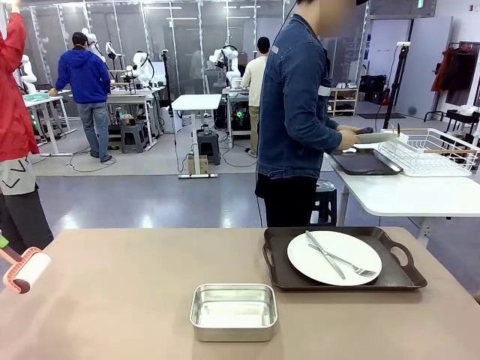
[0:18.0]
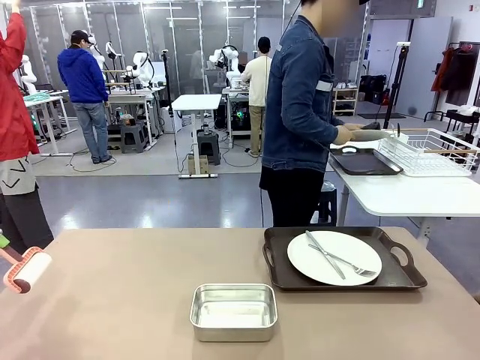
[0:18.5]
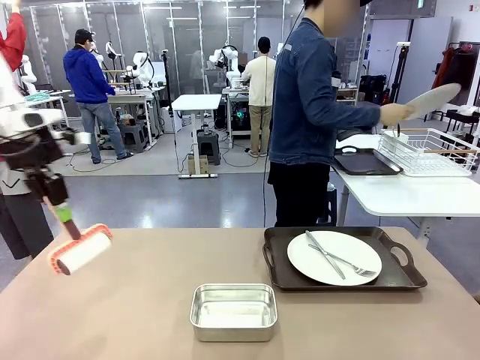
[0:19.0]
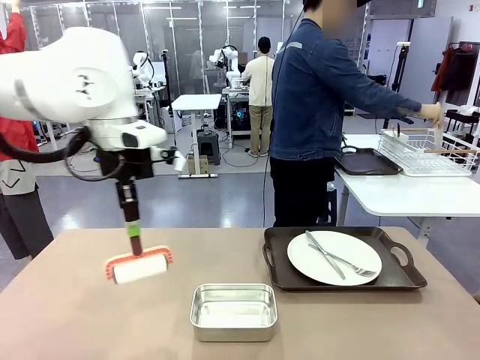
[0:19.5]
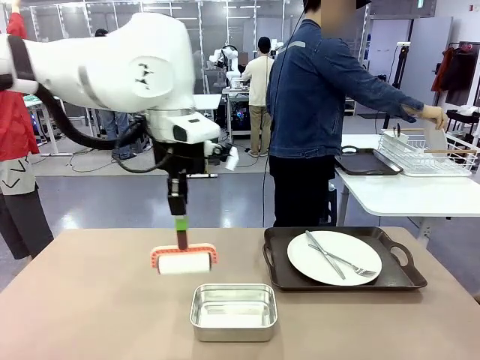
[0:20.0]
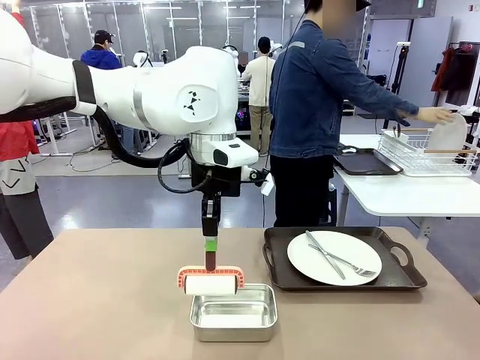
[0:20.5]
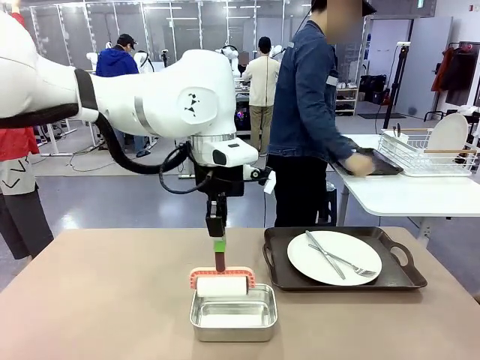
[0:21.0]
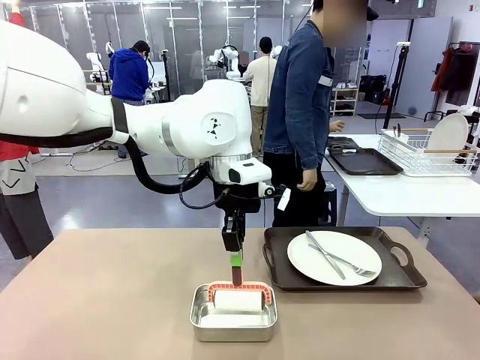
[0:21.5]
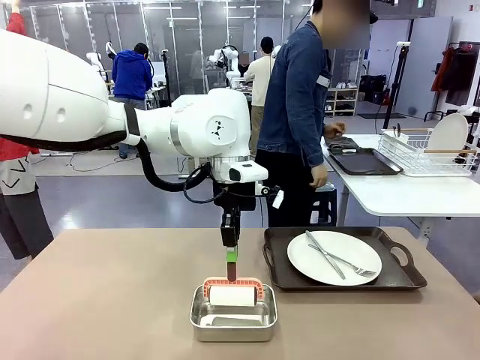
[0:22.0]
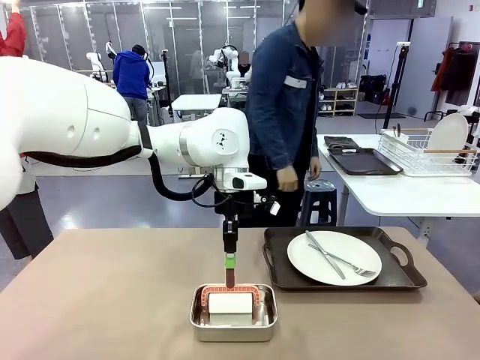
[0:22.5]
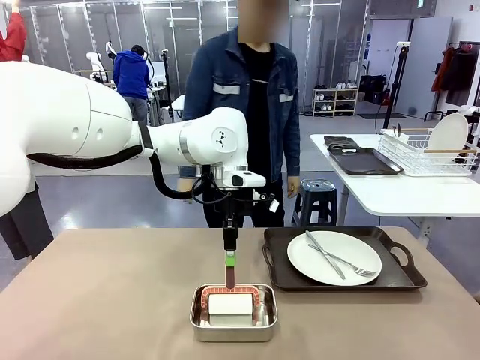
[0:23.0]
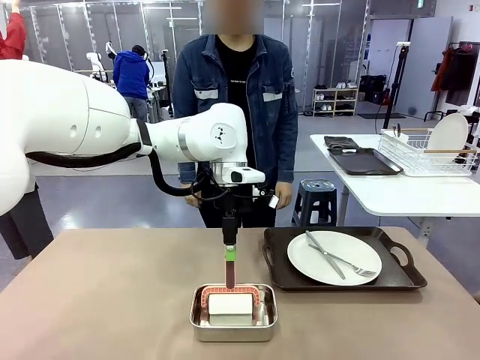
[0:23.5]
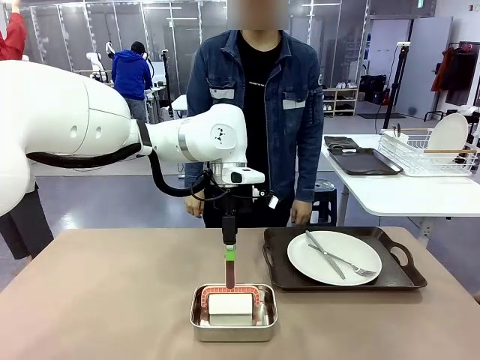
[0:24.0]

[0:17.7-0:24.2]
Robot: Place the Lint Roller back on top of the Airtight Container.

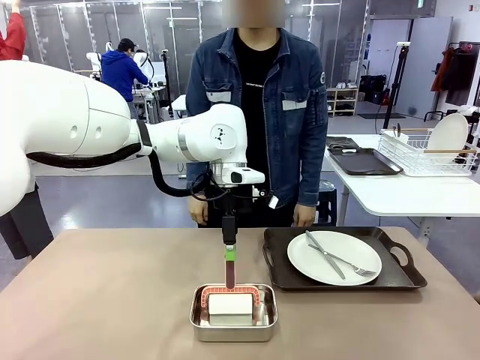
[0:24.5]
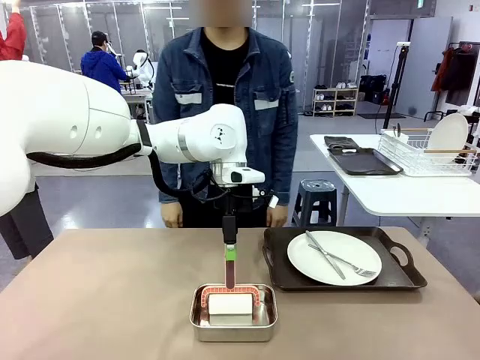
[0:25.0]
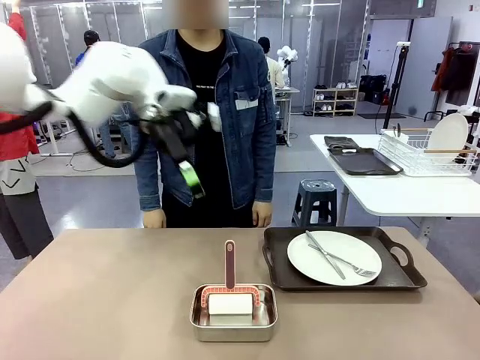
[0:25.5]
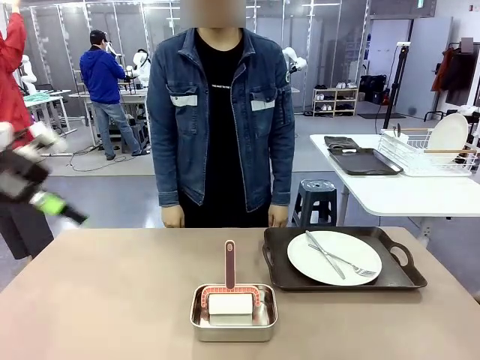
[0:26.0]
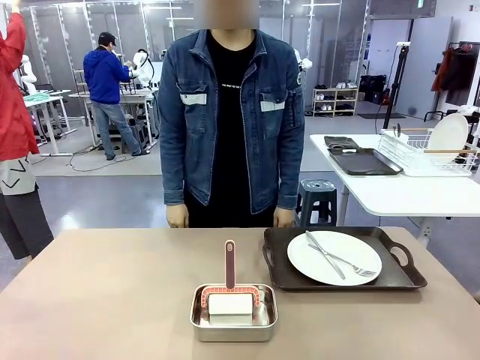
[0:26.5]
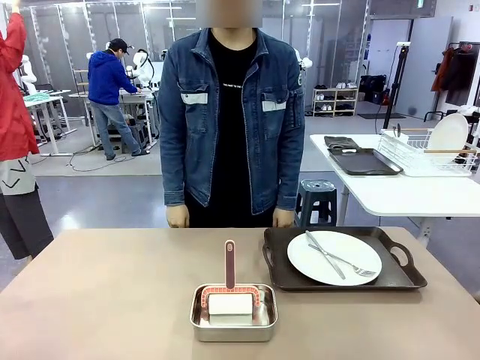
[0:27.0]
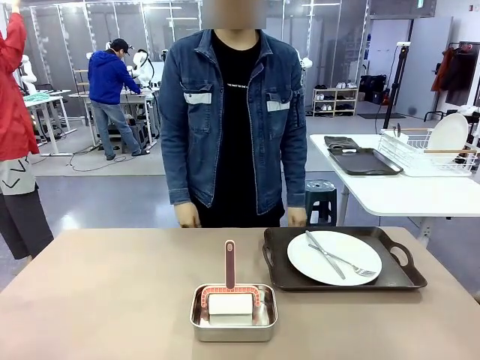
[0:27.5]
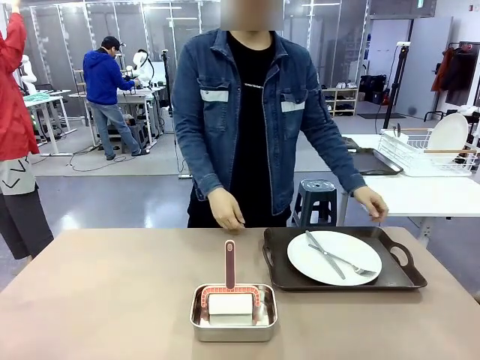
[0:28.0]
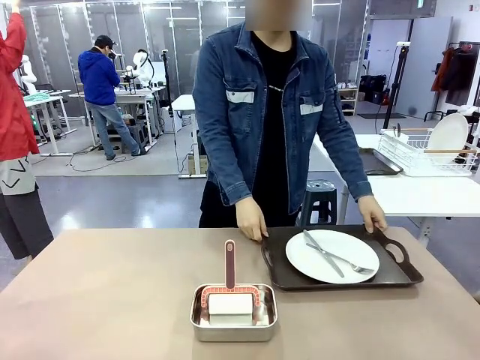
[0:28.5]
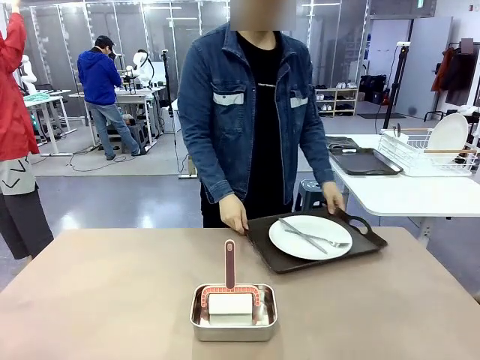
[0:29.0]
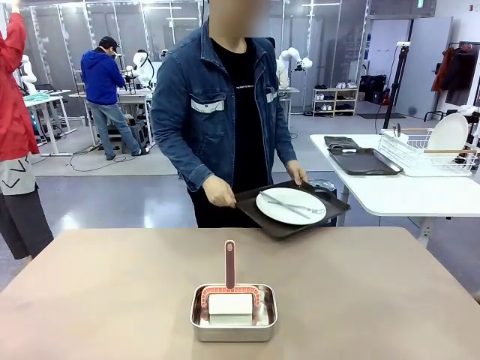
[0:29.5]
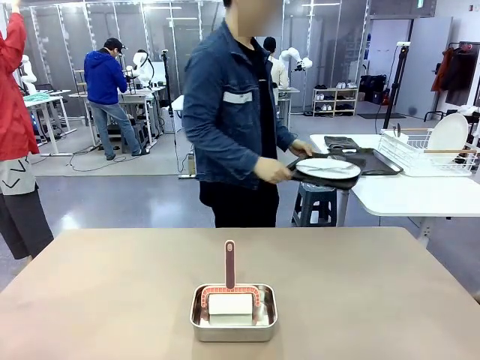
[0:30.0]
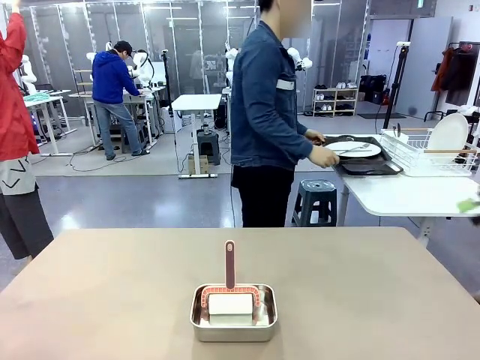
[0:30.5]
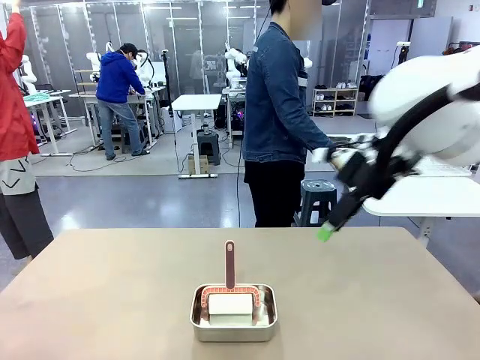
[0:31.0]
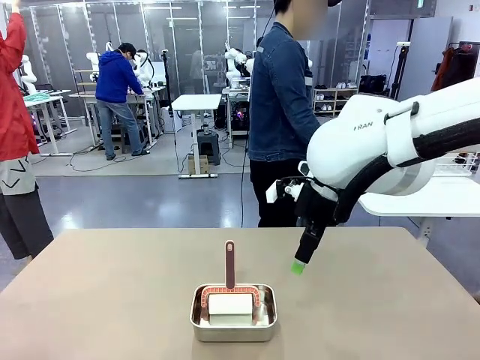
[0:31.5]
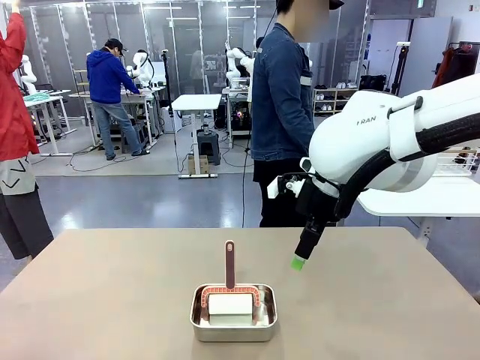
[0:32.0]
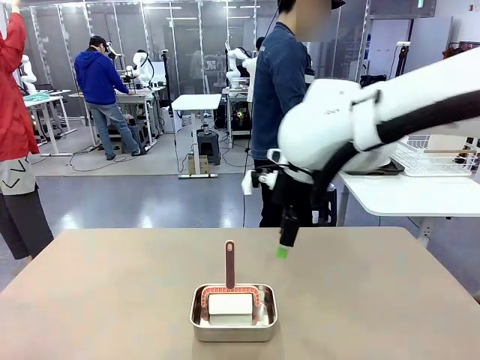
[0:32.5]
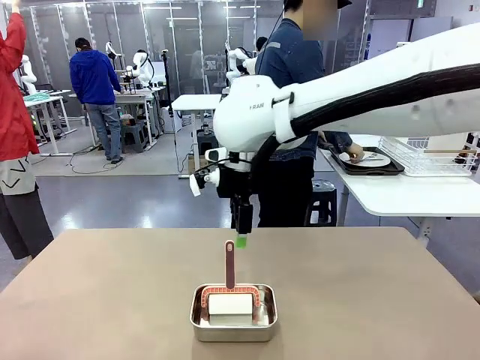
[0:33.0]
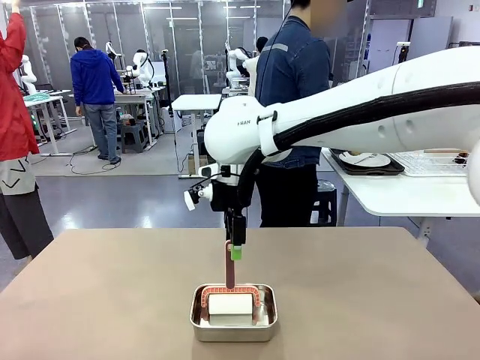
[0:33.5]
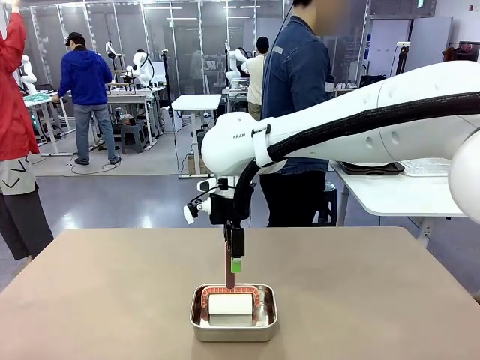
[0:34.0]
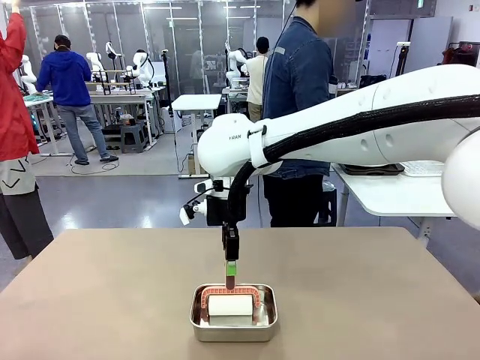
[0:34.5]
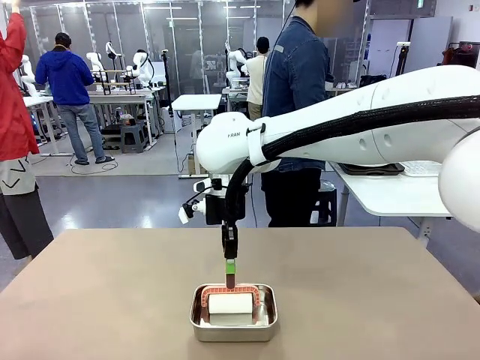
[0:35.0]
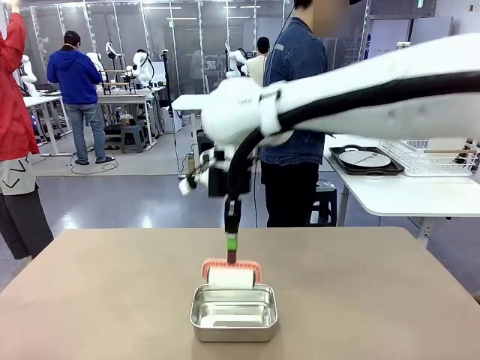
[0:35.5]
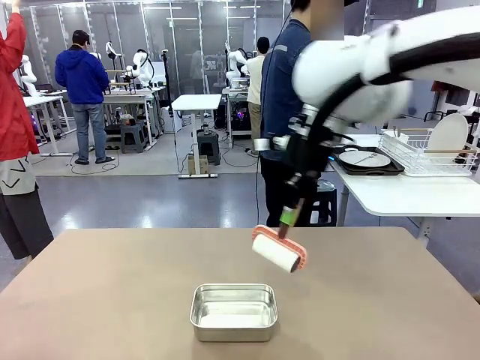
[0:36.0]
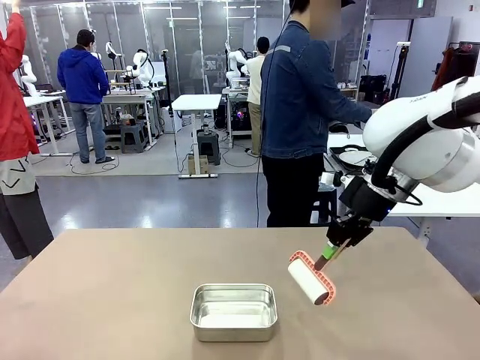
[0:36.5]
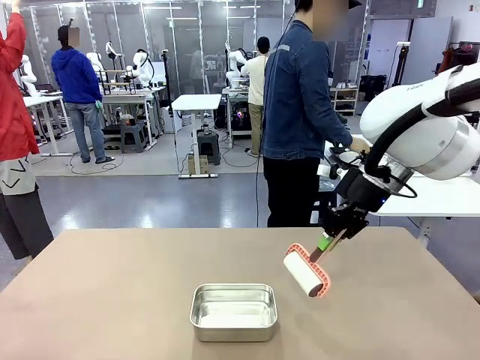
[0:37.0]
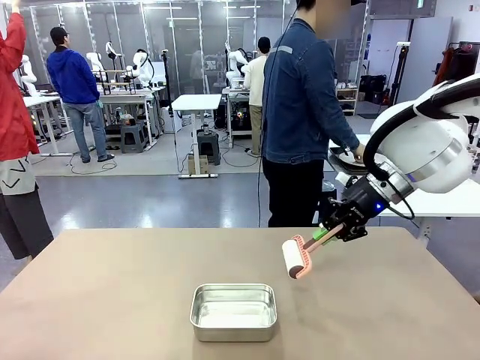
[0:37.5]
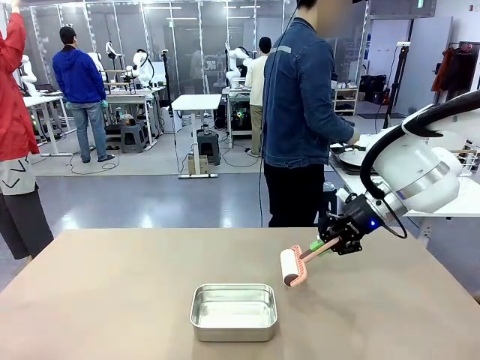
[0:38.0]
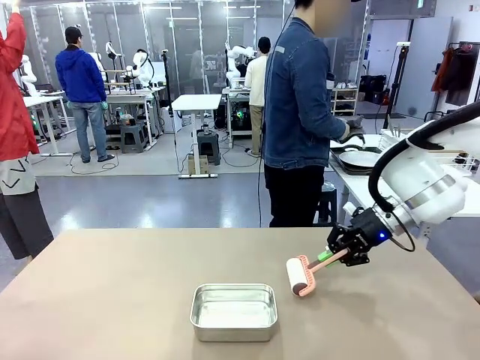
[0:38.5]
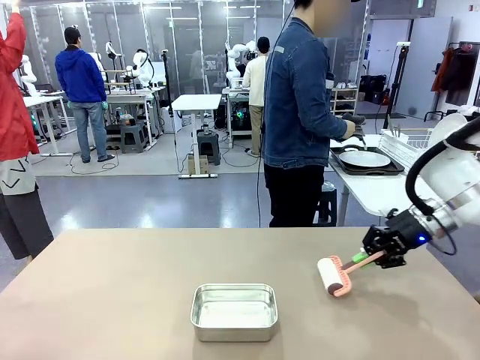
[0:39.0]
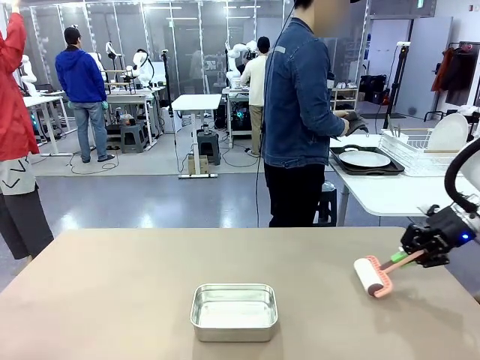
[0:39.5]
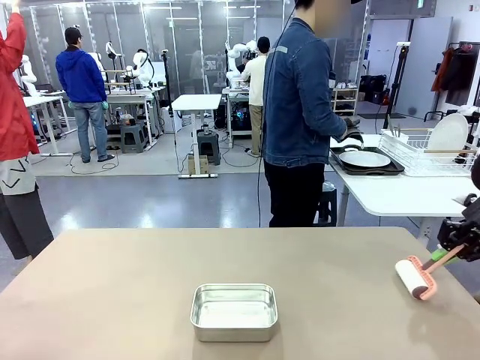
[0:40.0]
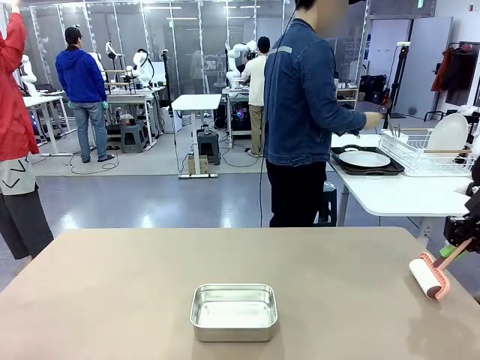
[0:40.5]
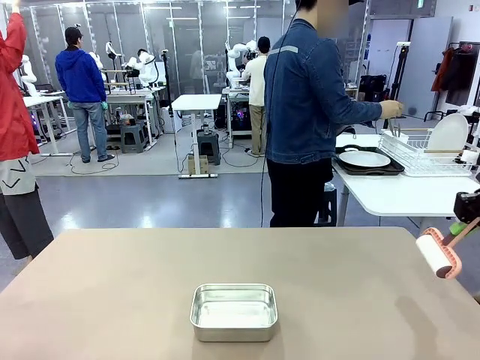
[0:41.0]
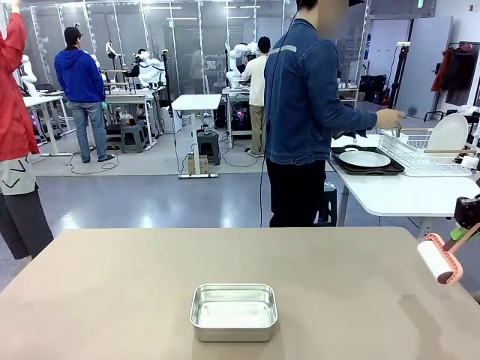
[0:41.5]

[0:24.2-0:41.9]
Robot: When the right (or left) Handle tray is removed, use the right hand (or left hand) to clean the right (or left) side of the table with the Lint Roller.
Person: Pick up the left (or right) Handle tray and place it on the Handle tray.
